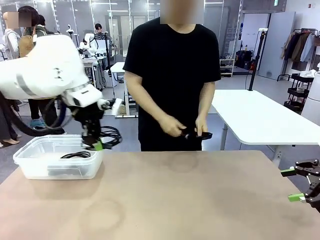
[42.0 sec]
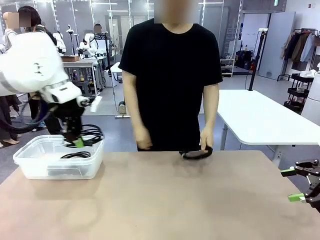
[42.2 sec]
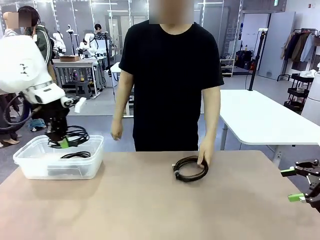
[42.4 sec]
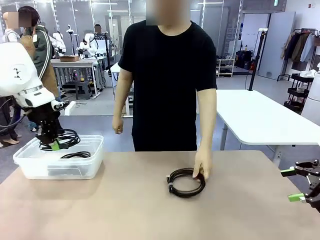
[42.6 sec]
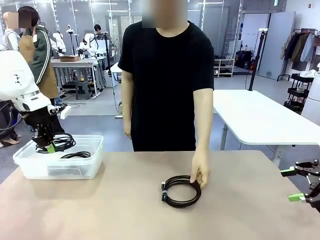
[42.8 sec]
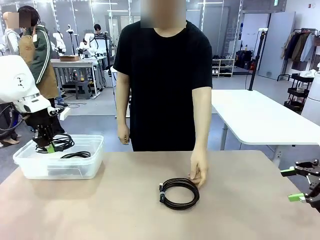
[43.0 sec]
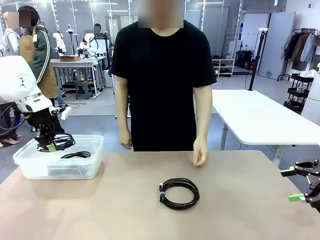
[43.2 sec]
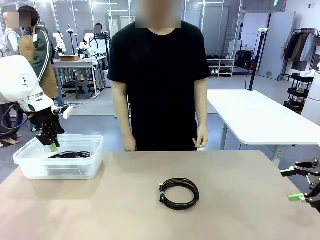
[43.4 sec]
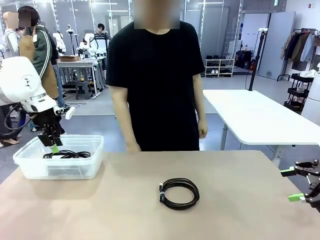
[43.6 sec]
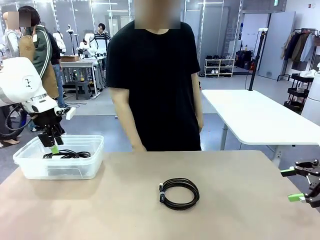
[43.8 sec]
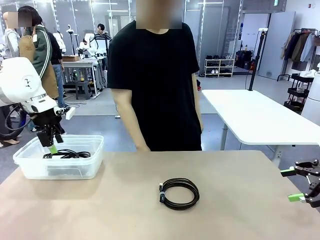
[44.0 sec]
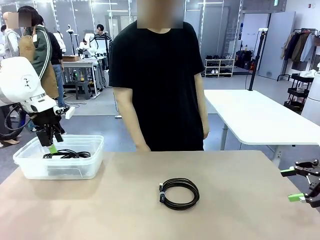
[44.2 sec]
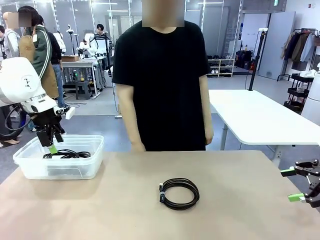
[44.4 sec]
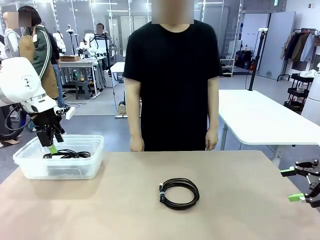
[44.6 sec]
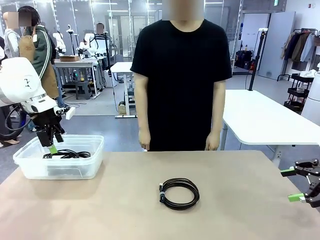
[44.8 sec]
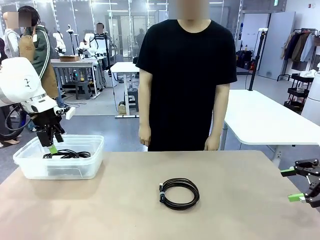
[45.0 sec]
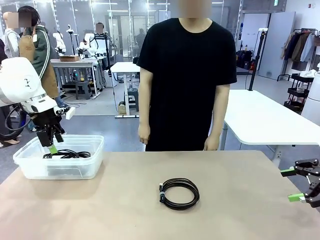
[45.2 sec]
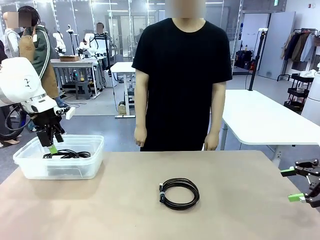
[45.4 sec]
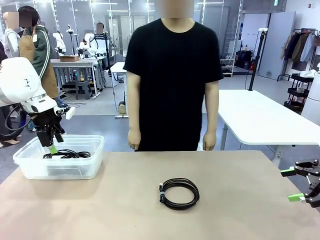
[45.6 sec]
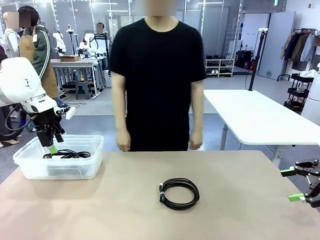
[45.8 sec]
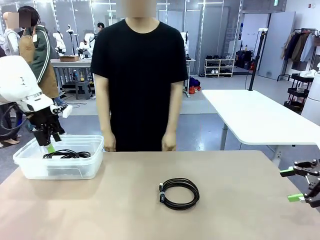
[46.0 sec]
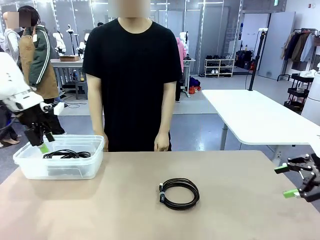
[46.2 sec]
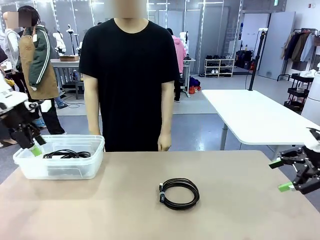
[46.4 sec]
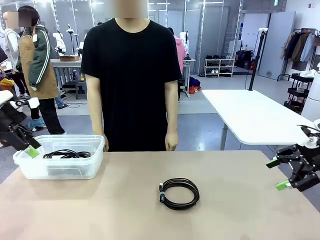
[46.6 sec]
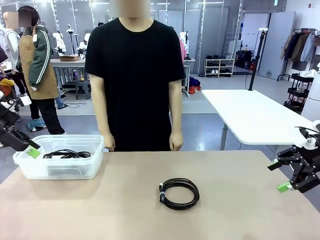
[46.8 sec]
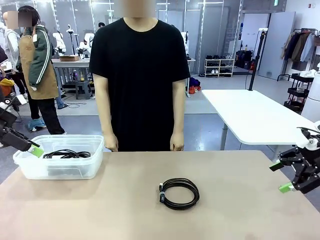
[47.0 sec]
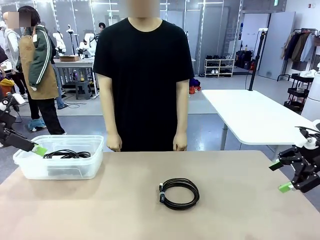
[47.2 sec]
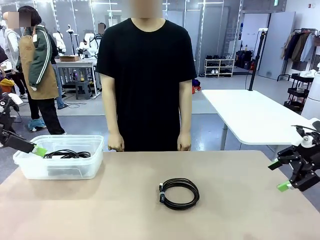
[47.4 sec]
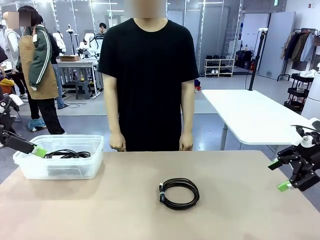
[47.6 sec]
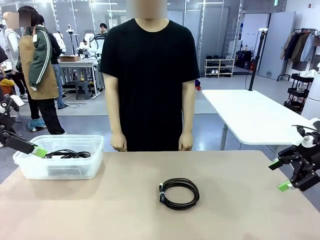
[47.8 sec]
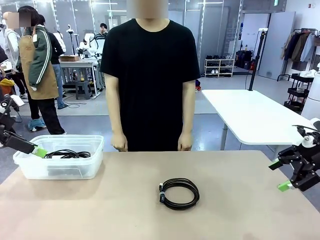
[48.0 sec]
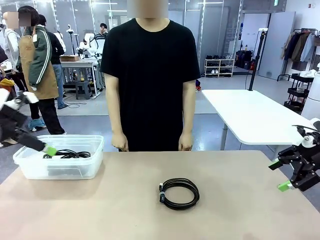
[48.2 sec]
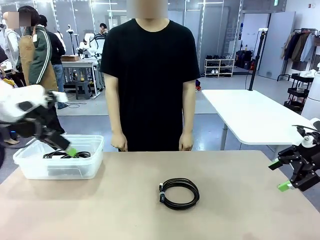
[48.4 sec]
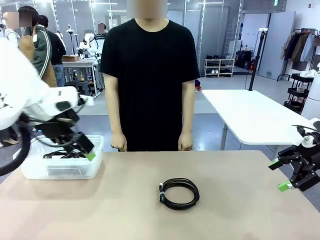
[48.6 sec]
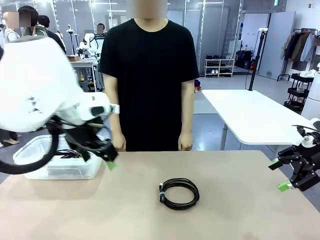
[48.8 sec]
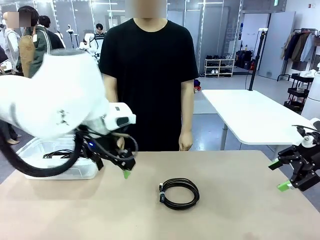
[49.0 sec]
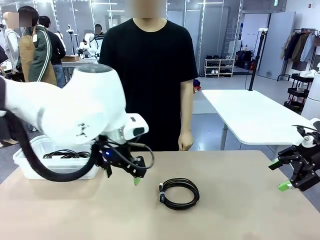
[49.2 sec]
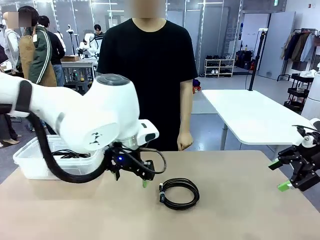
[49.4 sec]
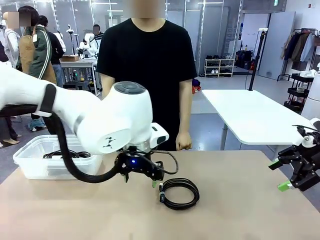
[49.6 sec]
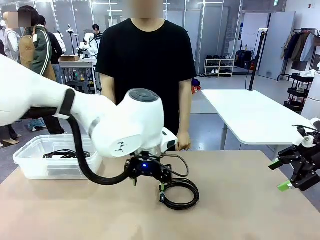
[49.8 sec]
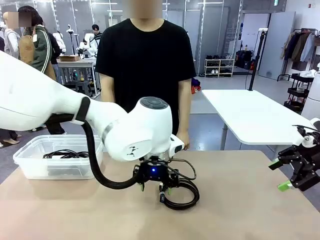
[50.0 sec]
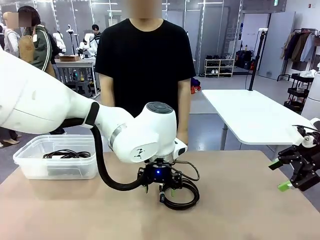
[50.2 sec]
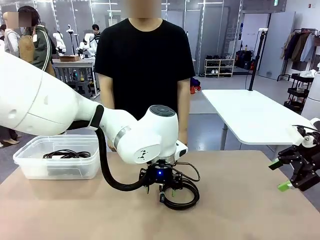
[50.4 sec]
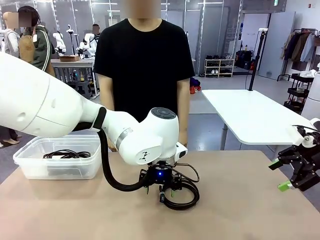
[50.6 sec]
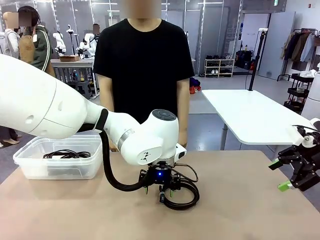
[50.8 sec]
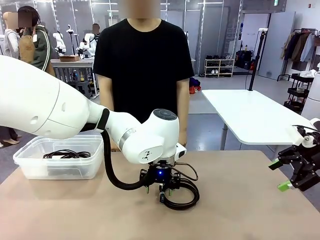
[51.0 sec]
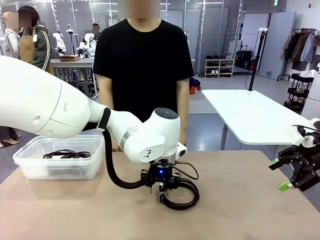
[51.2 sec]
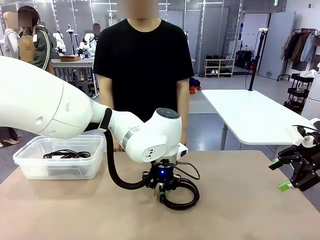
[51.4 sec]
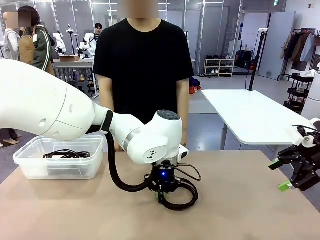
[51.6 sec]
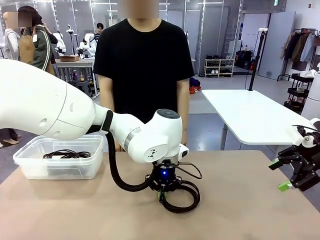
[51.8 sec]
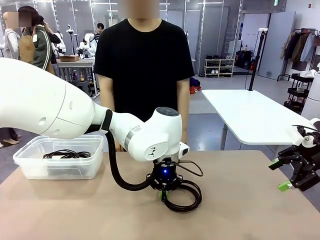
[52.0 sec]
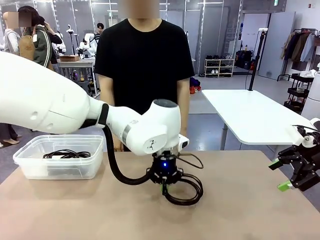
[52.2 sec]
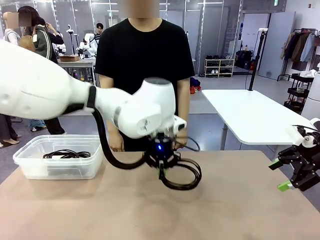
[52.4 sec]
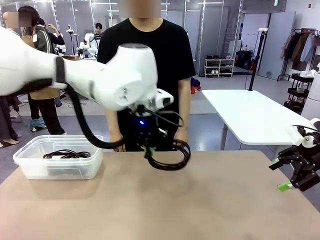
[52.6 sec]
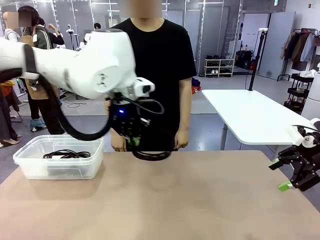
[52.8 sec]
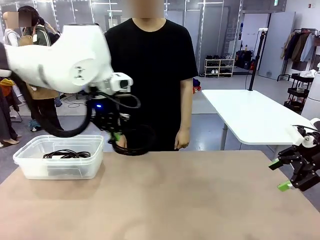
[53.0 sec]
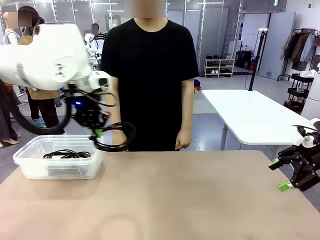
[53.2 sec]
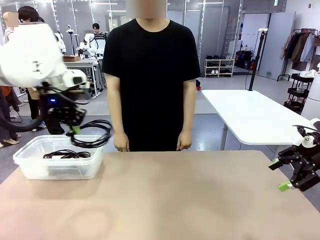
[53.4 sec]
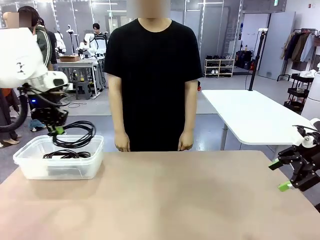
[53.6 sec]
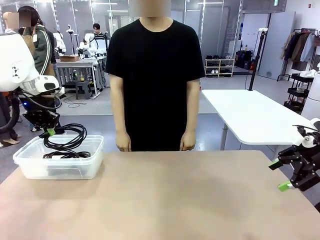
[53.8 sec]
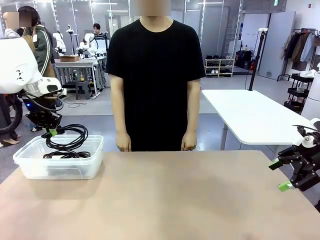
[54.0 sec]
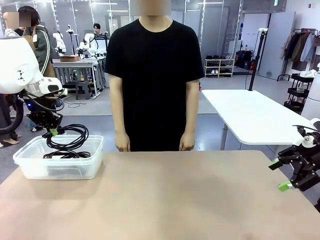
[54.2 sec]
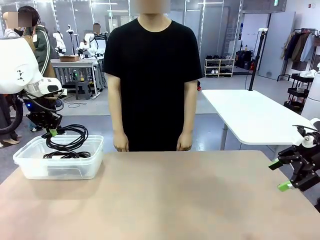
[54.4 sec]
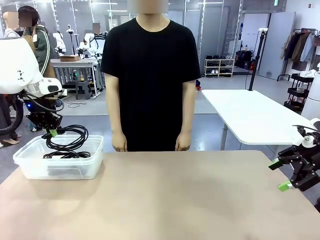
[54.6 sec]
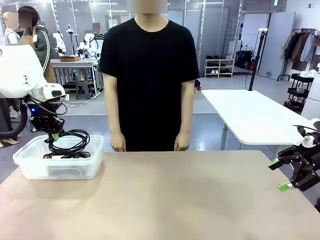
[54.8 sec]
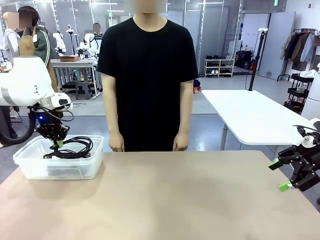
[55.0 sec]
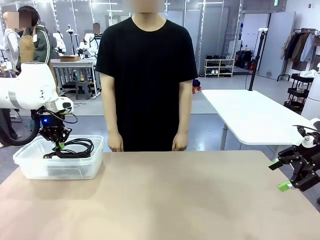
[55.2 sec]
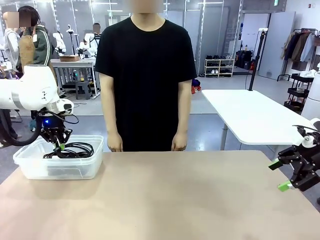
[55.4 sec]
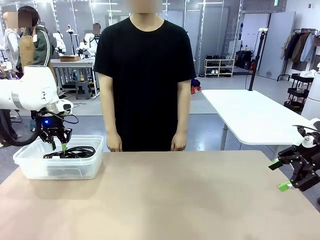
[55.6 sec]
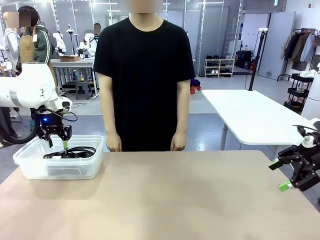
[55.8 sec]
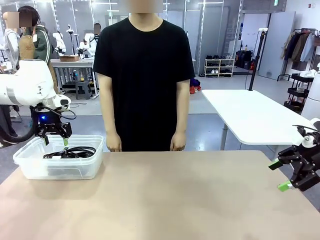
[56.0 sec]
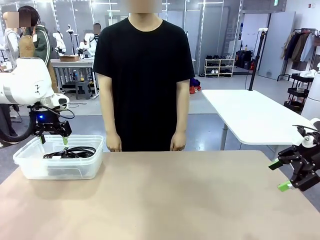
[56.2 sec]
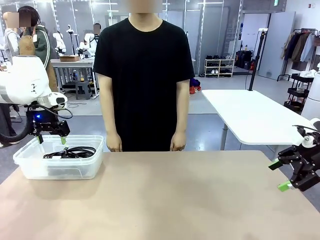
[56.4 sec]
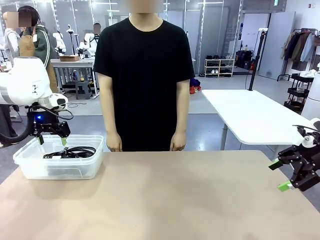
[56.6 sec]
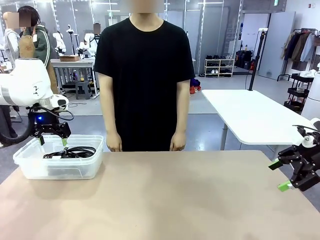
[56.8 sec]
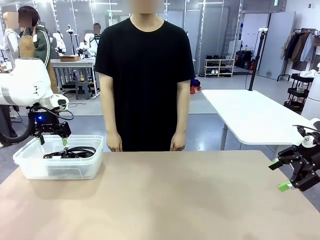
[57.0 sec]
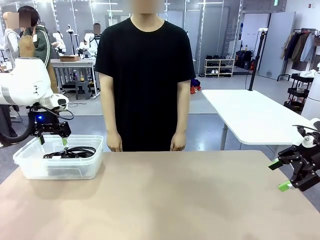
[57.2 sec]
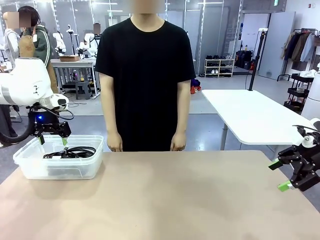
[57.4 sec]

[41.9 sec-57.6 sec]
Task: Organize and store the cables.
Robot: Place the USB Extension Cable into the Organizing box.

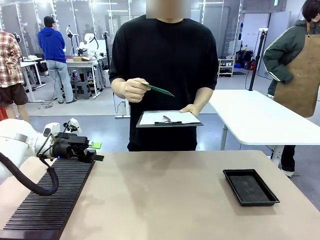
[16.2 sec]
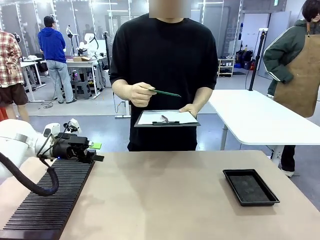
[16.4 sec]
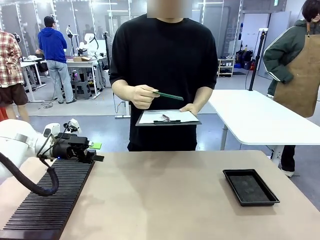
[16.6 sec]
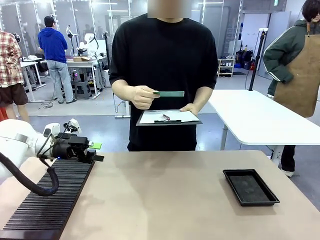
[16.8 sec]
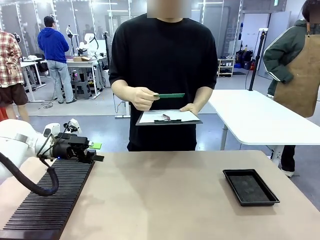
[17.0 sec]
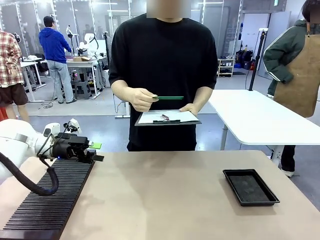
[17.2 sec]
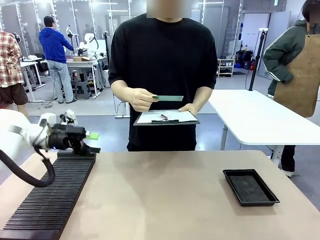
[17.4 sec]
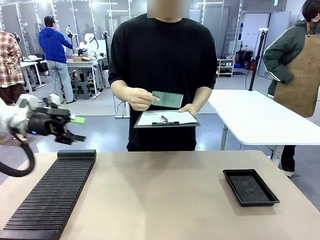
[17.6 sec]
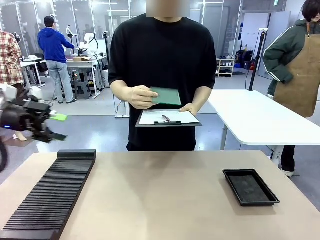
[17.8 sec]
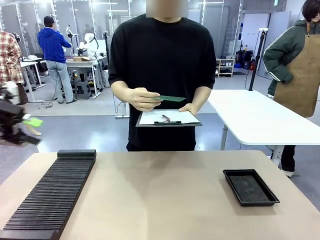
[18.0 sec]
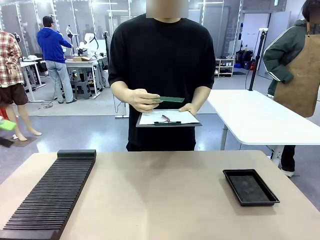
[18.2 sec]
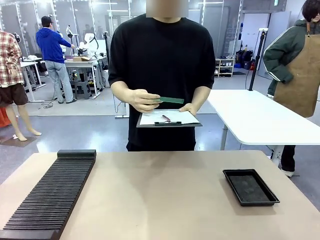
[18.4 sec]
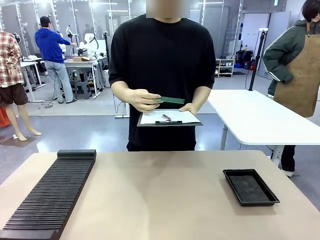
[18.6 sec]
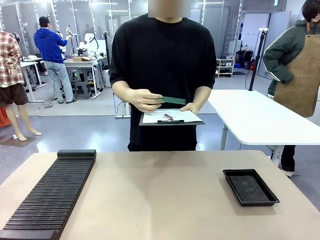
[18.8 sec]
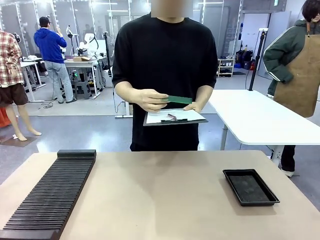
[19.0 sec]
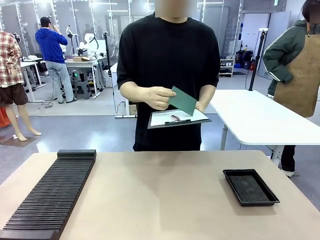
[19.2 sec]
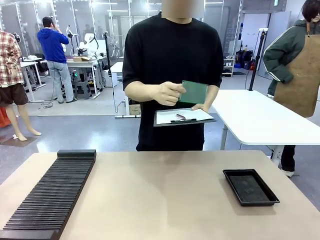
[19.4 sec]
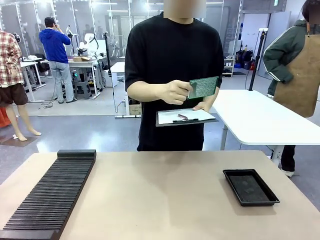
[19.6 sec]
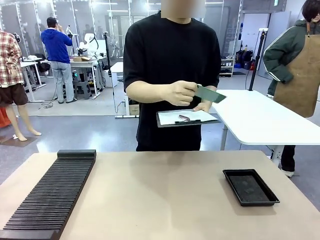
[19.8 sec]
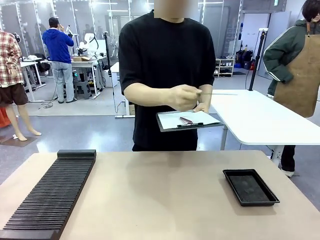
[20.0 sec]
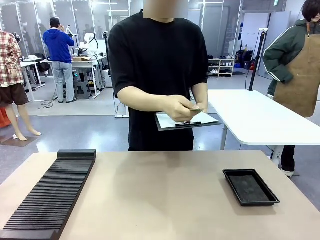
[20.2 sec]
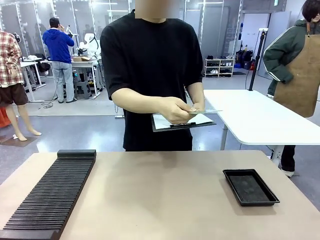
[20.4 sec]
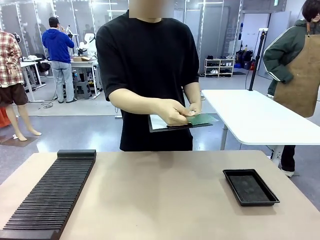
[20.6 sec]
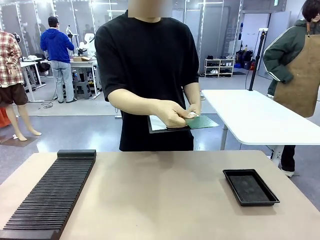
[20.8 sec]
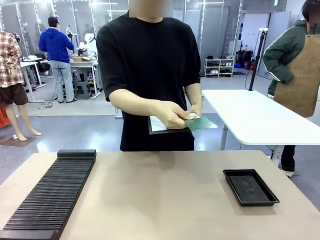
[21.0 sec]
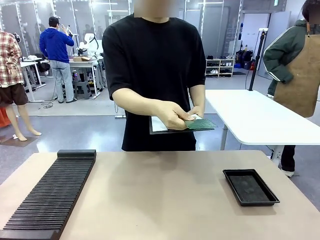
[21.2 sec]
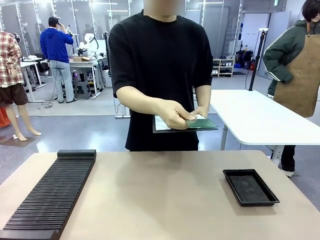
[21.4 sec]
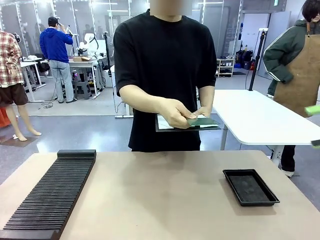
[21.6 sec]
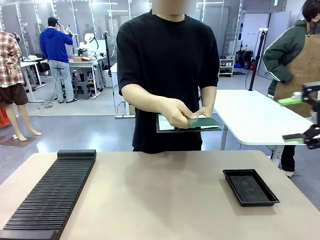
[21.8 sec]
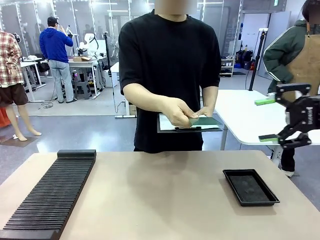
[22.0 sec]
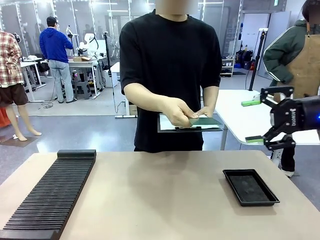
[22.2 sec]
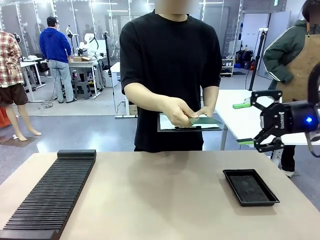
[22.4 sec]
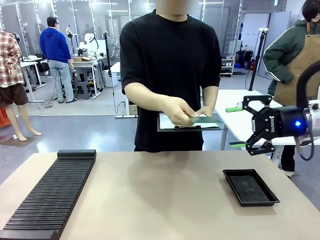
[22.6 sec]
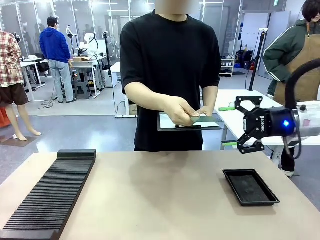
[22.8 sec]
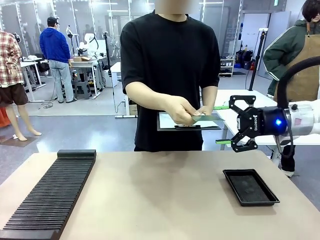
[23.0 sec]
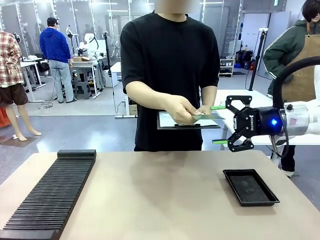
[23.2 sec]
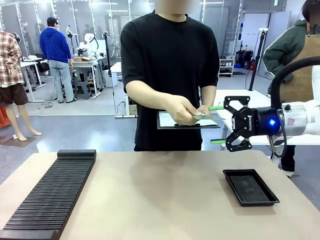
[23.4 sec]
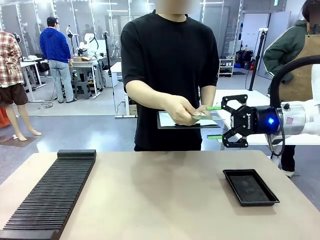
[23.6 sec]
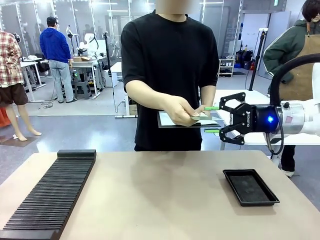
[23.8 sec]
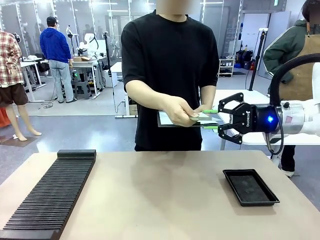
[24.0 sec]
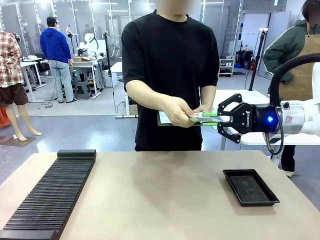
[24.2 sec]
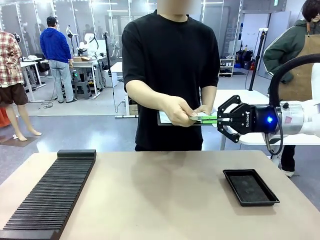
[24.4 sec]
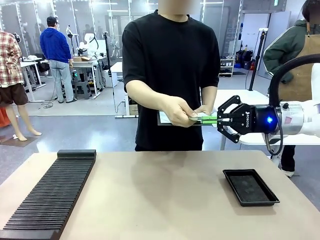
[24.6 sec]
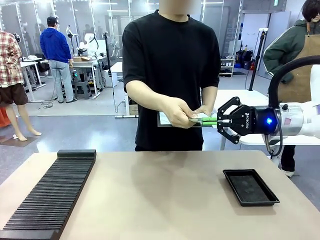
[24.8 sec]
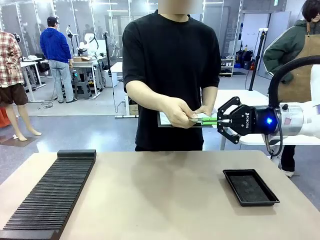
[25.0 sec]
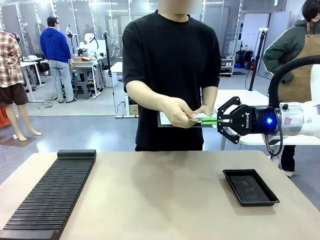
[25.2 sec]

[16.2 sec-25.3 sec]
Task: Inspect the PCB.
Robot: Pick up the Blank PCB that the human is holding.
Person: Inspect the PCB placed by the robot, then hold it out in front of the robot. Release the PCB you were holding.
